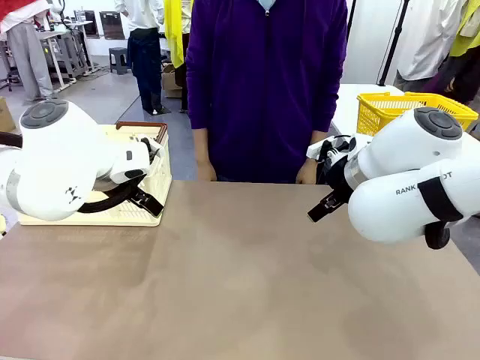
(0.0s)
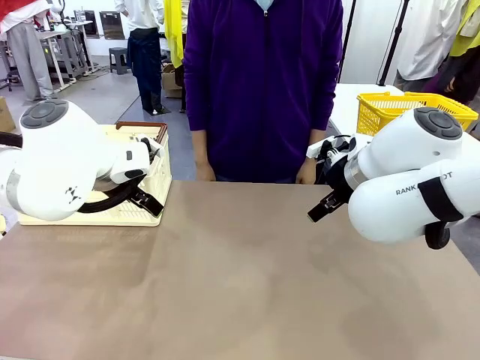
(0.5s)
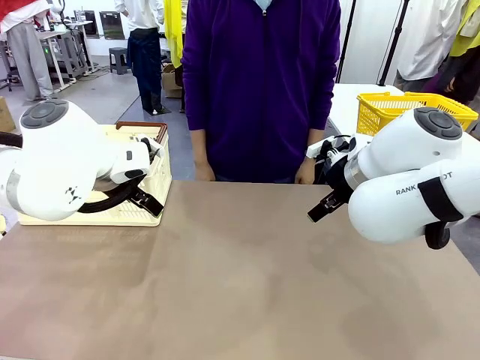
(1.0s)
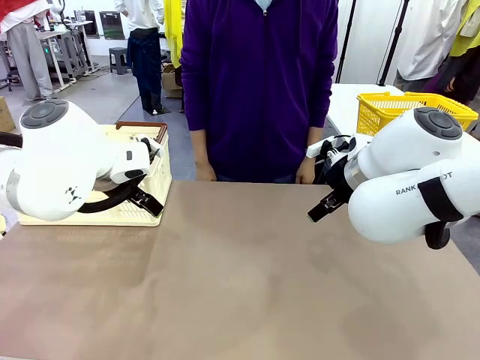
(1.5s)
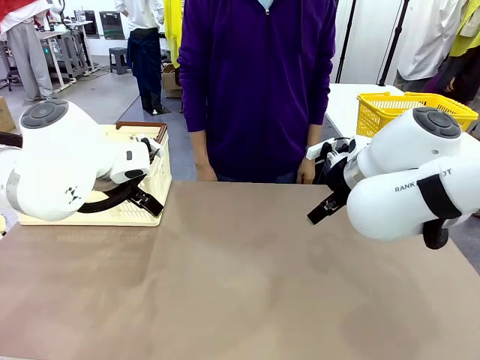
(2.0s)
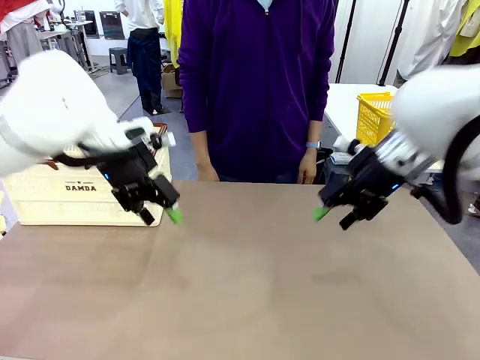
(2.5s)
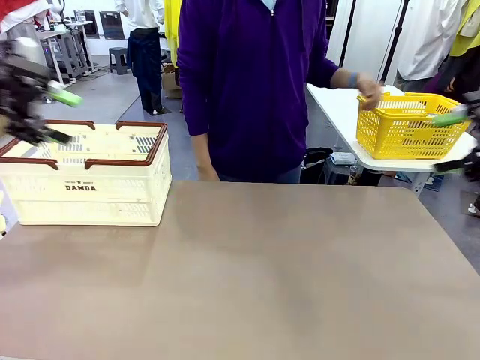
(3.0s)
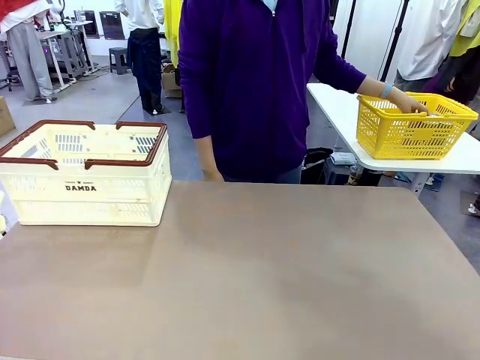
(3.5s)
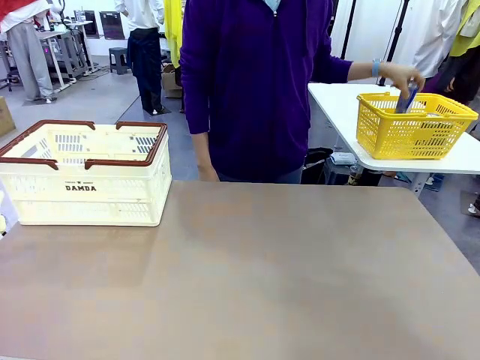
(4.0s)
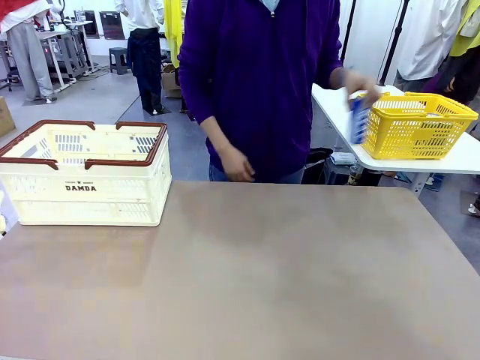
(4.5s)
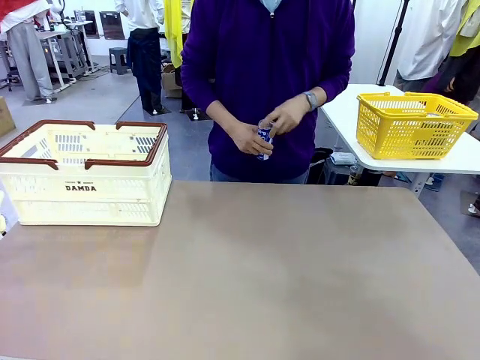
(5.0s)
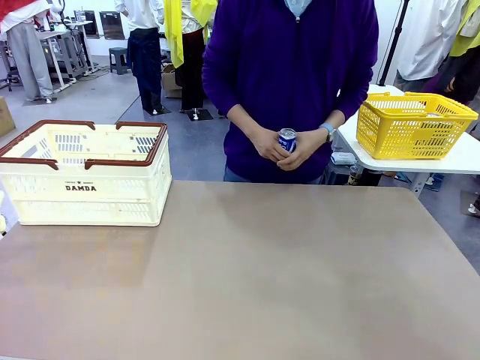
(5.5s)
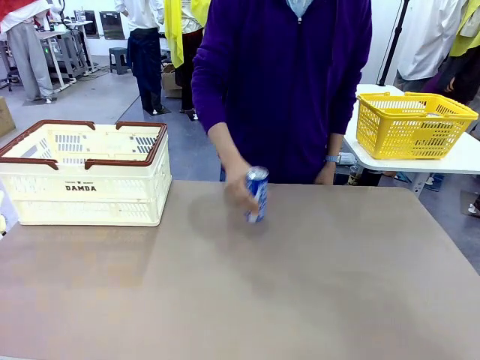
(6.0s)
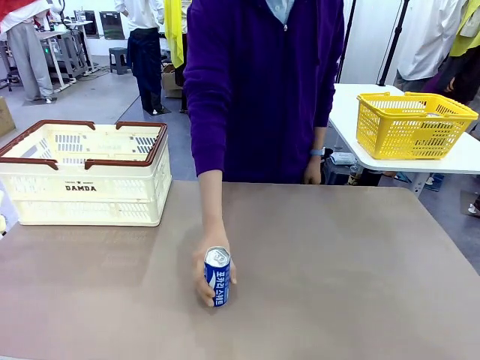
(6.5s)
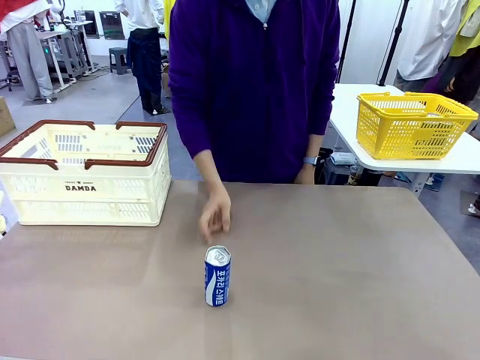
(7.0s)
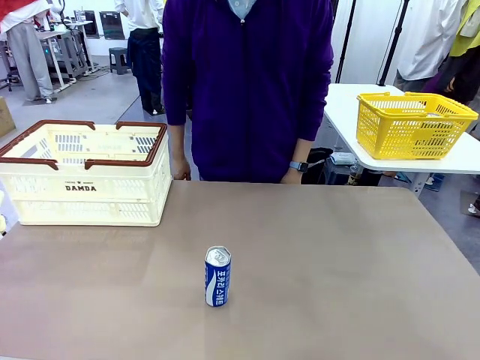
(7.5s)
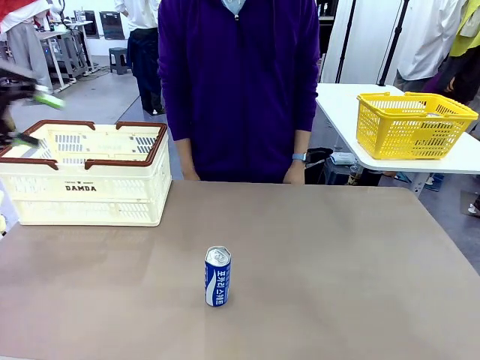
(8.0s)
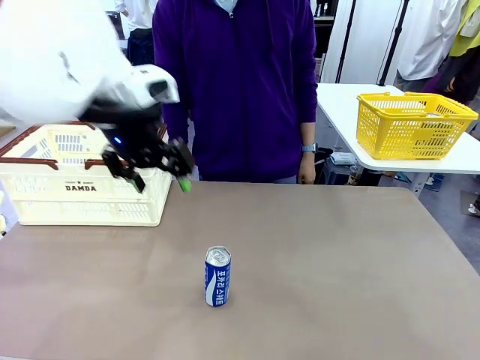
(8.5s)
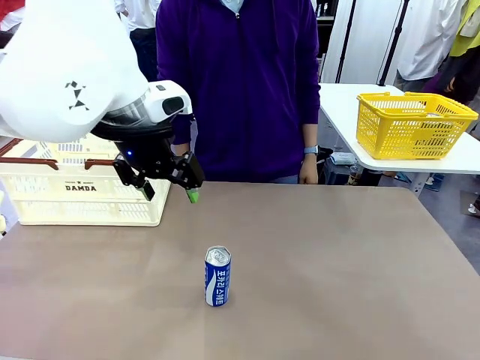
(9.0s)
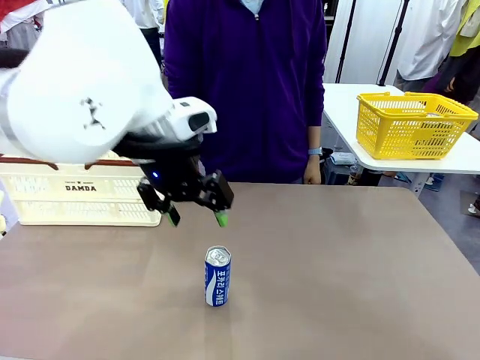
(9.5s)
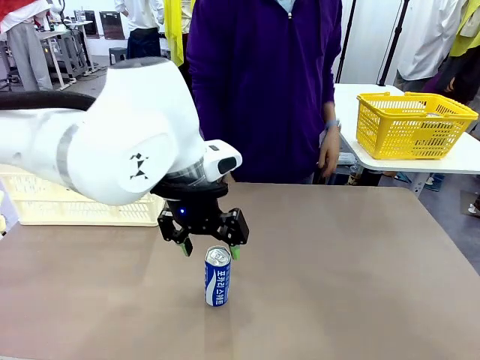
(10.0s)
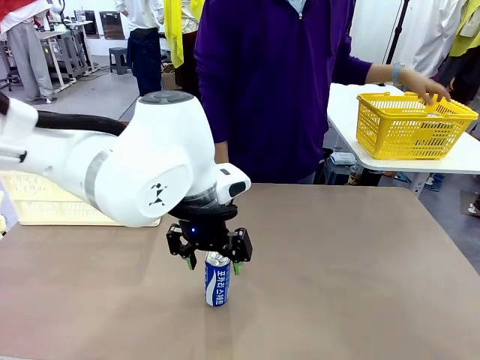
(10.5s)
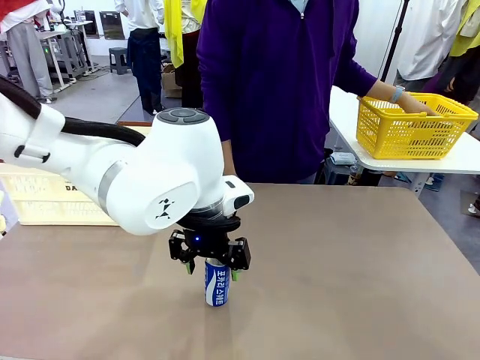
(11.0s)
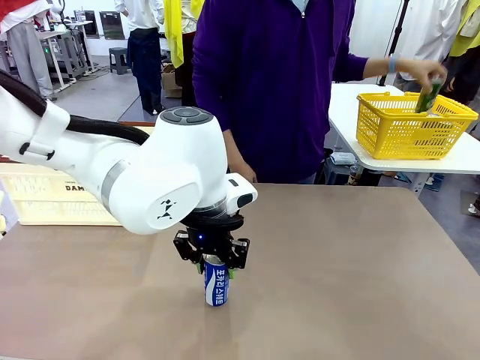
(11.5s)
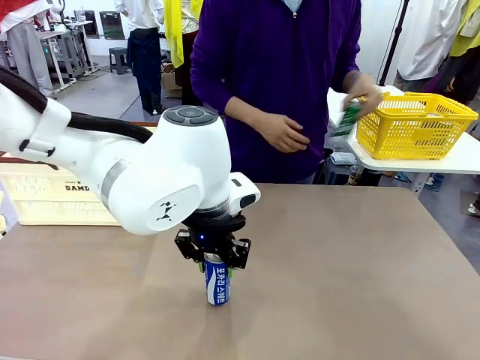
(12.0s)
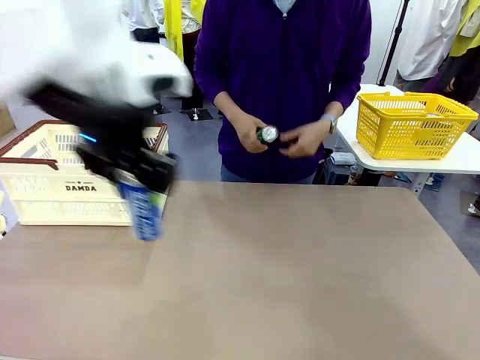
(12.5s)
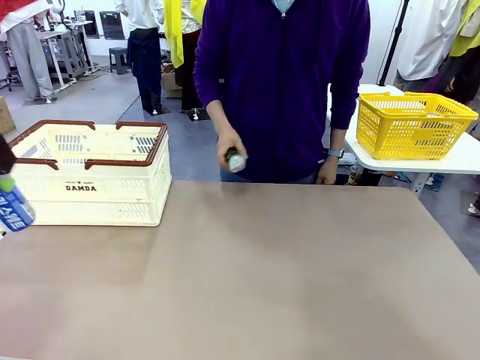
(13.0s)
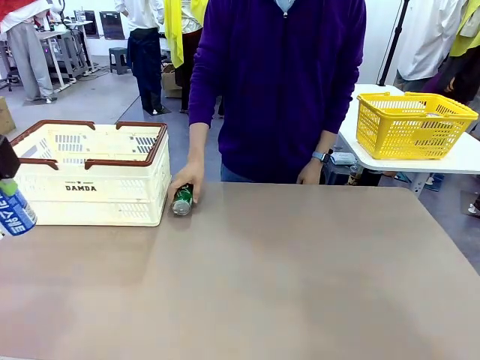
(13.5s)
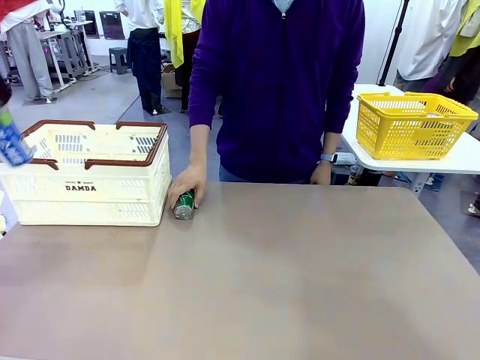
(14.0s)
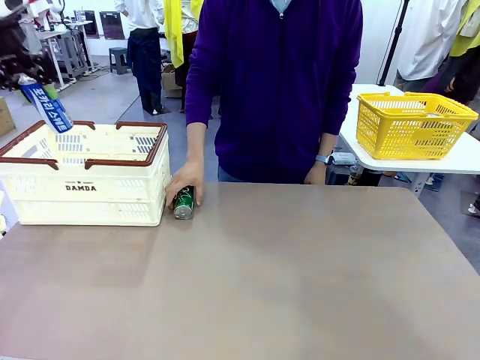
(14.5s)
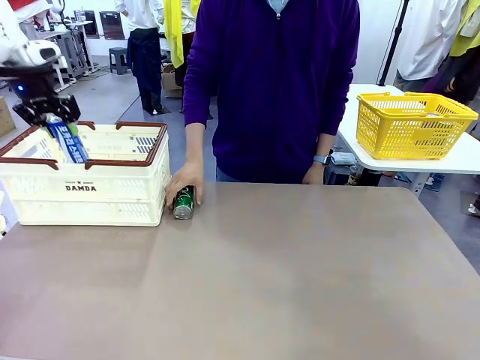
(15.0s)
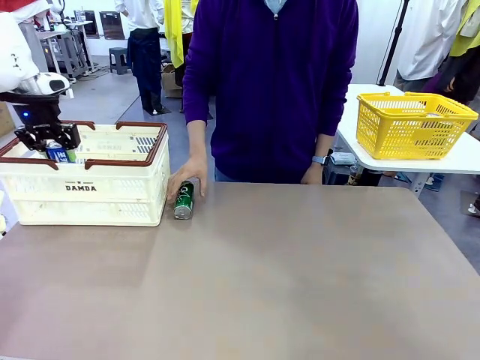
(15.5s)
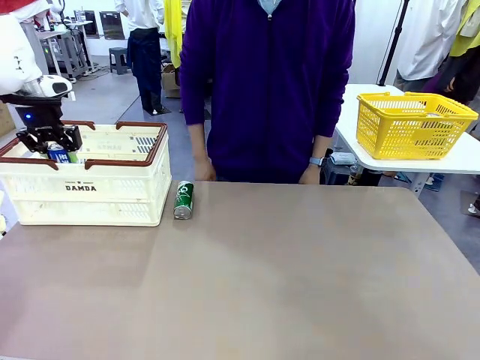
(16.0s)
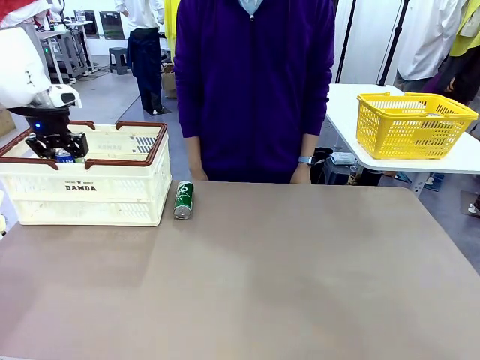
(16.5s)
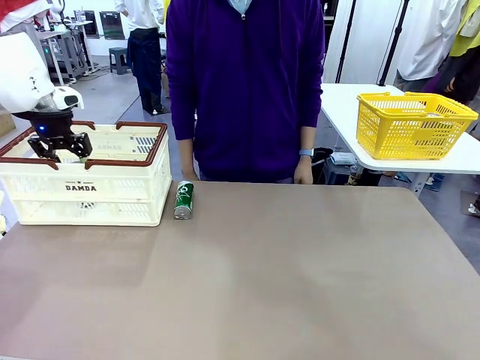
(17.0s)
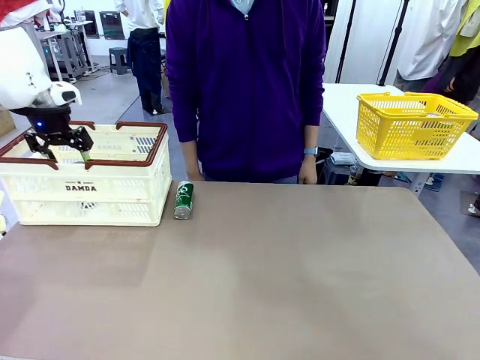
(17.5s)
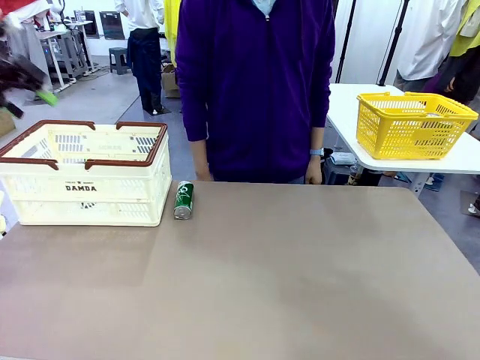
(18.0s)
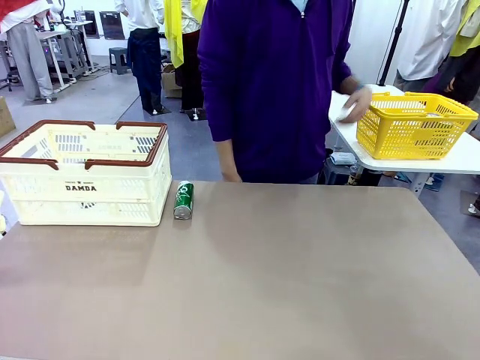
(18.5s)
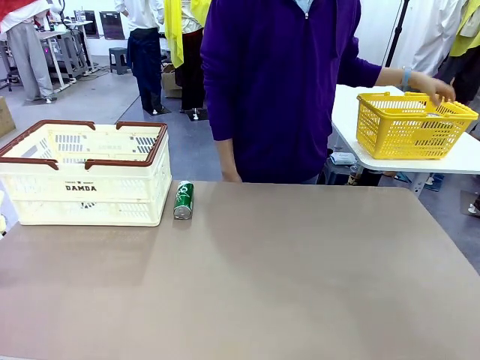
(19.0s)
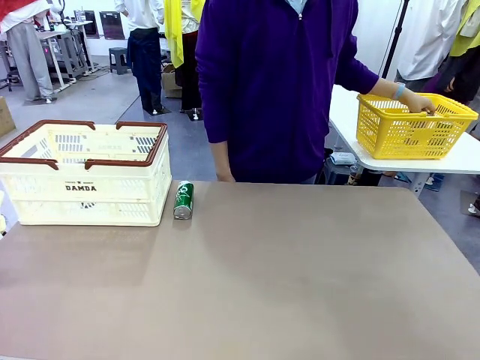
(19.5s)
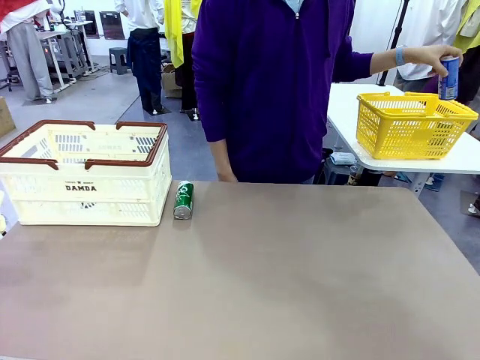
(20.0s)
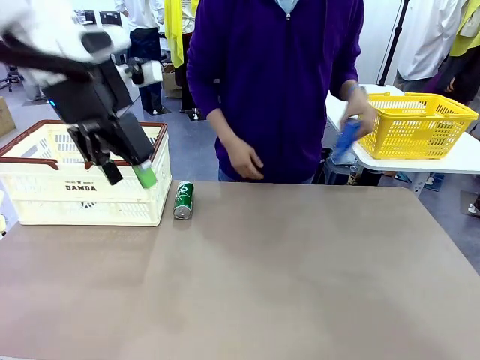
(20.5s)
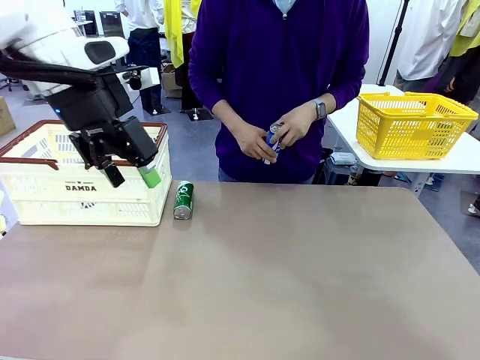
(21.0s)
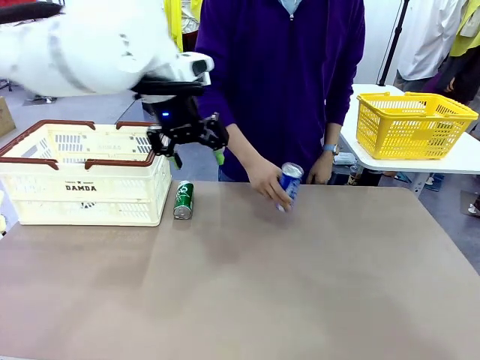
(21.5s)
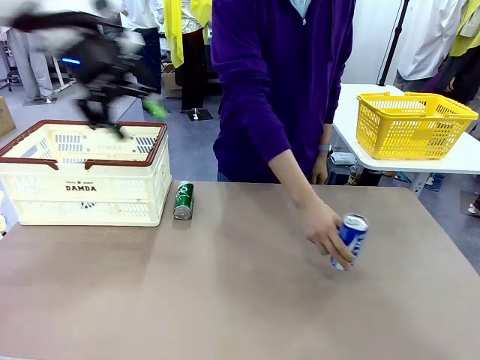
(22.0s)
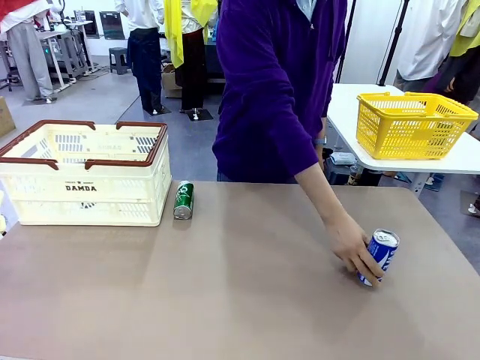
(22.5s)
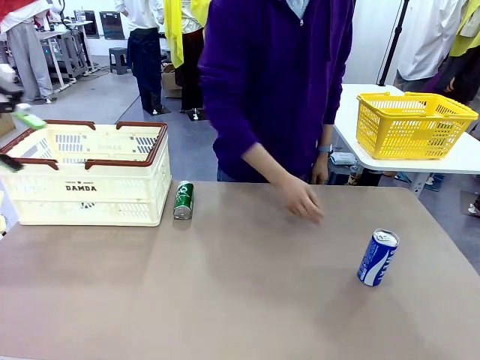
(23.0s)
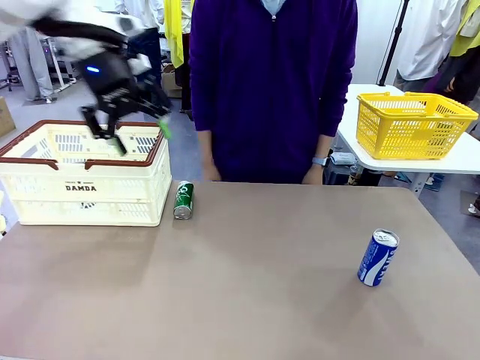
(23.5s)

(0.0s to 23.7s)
Task: Place the drinks into the Shopping basket.
Robot: Pick up one drink and place it into the Shopping basket.
